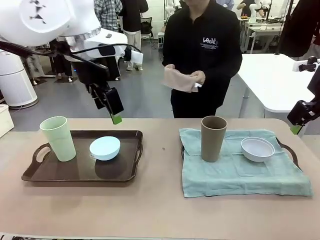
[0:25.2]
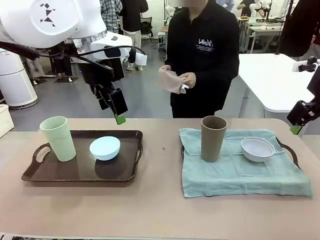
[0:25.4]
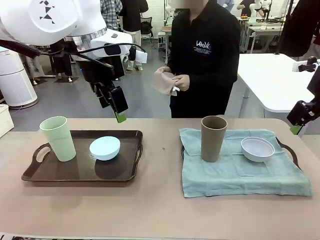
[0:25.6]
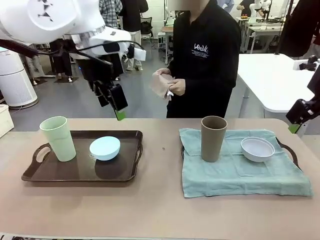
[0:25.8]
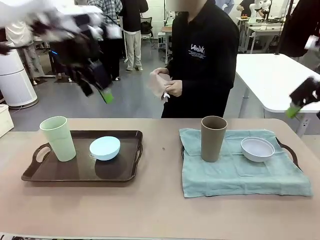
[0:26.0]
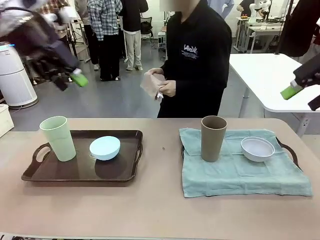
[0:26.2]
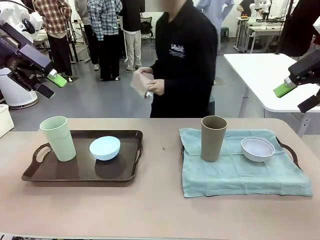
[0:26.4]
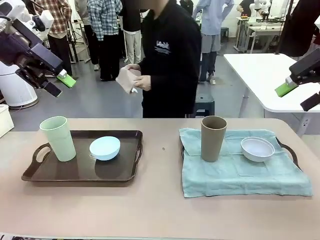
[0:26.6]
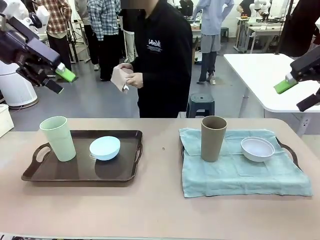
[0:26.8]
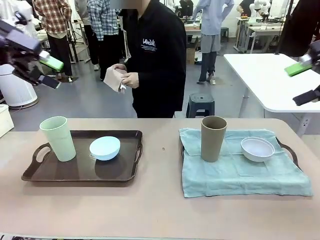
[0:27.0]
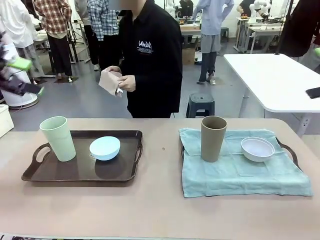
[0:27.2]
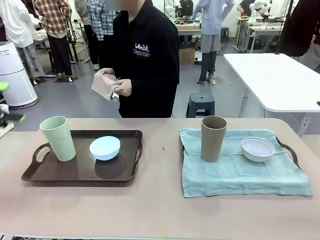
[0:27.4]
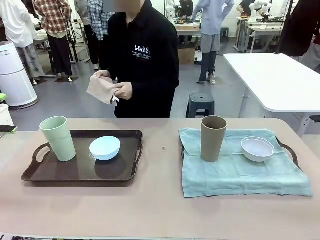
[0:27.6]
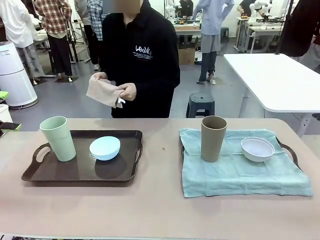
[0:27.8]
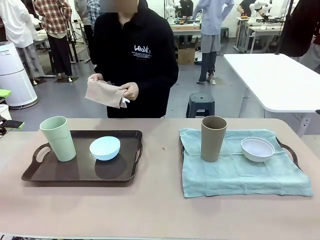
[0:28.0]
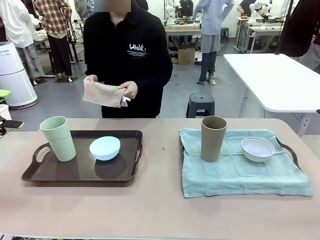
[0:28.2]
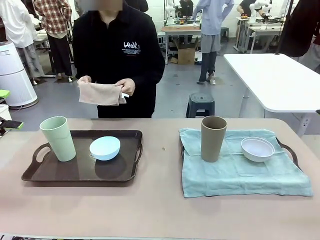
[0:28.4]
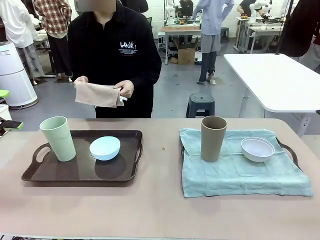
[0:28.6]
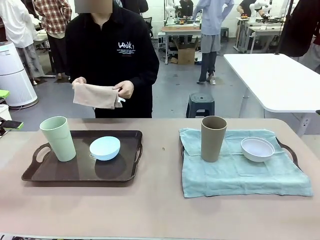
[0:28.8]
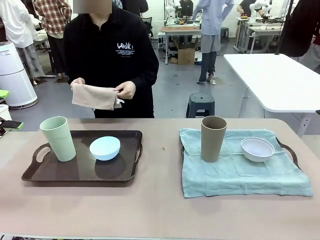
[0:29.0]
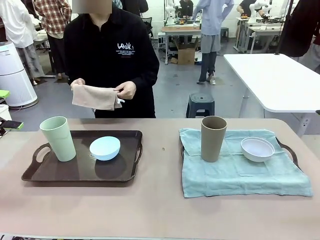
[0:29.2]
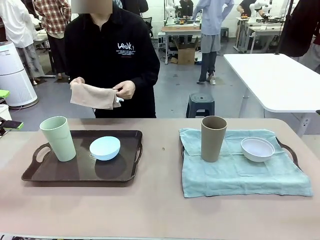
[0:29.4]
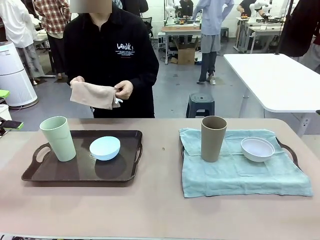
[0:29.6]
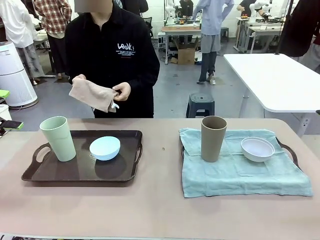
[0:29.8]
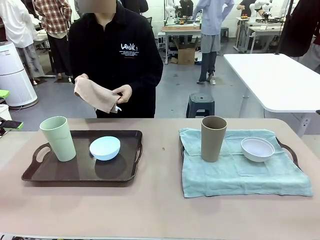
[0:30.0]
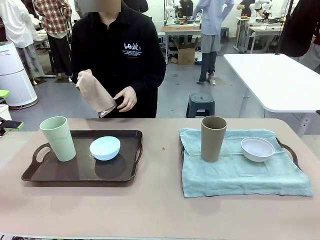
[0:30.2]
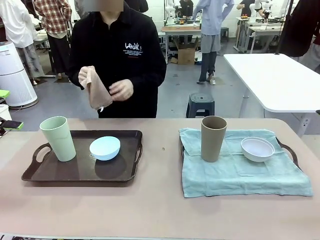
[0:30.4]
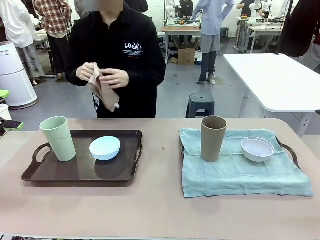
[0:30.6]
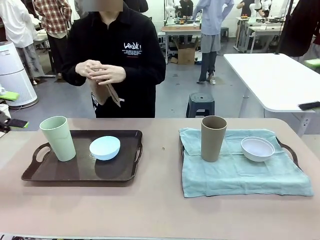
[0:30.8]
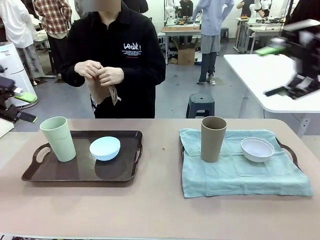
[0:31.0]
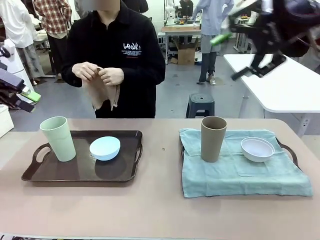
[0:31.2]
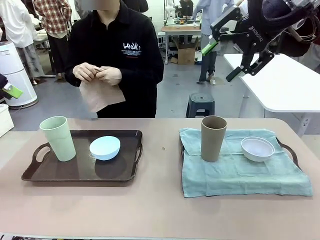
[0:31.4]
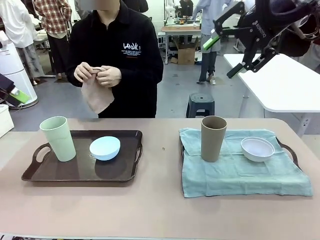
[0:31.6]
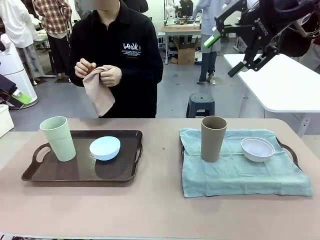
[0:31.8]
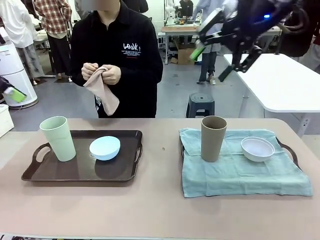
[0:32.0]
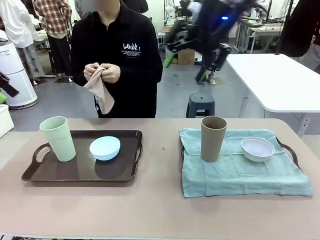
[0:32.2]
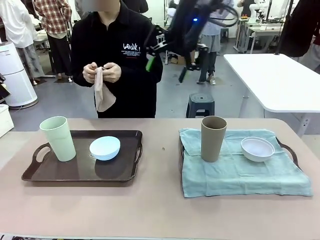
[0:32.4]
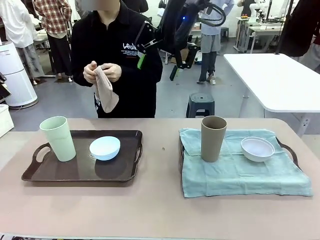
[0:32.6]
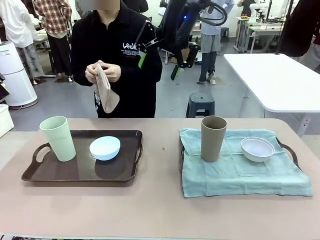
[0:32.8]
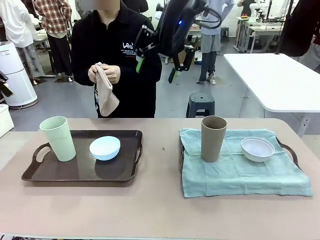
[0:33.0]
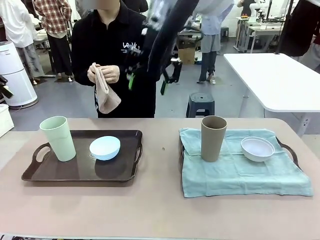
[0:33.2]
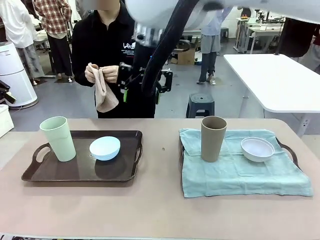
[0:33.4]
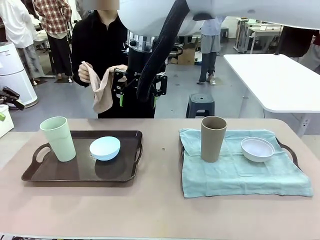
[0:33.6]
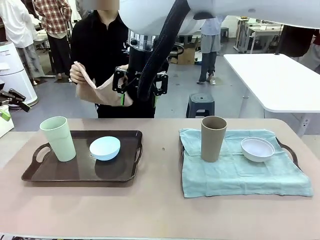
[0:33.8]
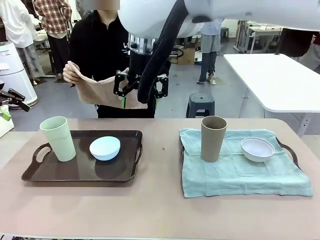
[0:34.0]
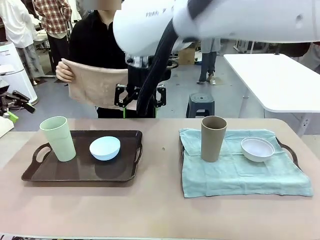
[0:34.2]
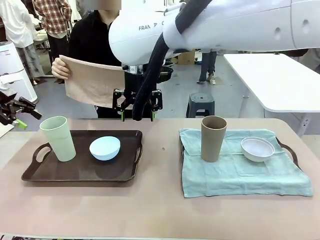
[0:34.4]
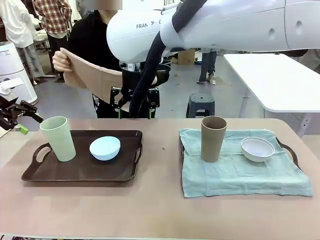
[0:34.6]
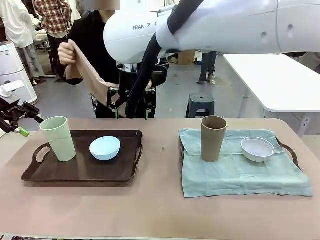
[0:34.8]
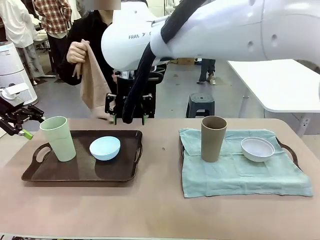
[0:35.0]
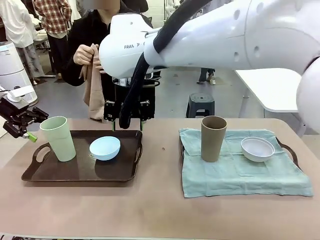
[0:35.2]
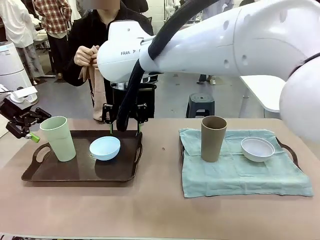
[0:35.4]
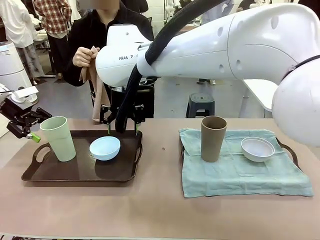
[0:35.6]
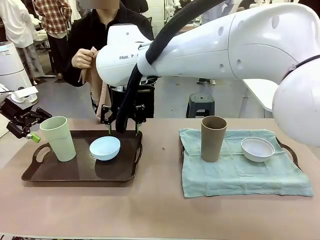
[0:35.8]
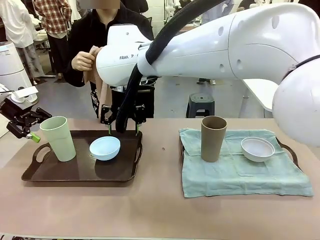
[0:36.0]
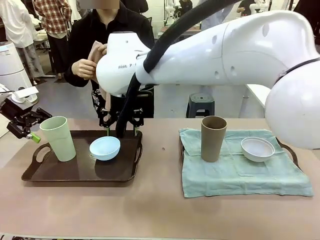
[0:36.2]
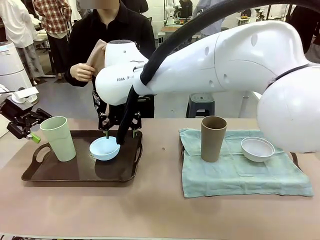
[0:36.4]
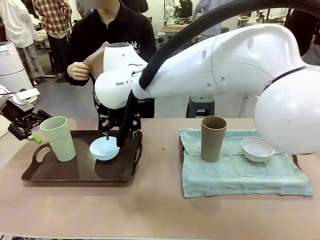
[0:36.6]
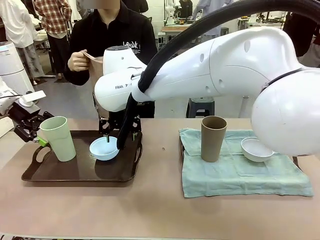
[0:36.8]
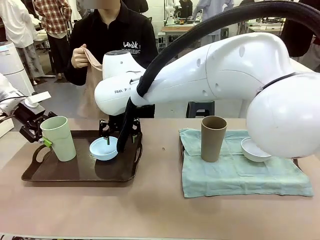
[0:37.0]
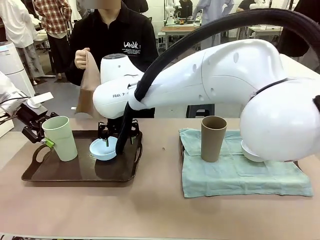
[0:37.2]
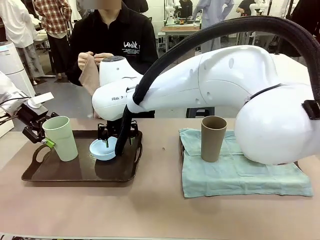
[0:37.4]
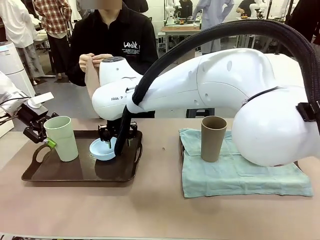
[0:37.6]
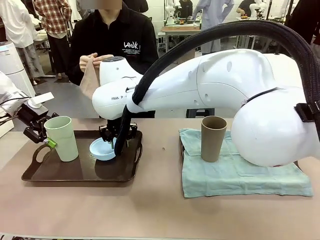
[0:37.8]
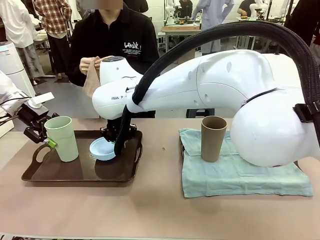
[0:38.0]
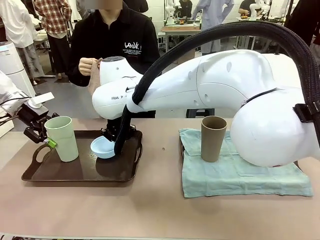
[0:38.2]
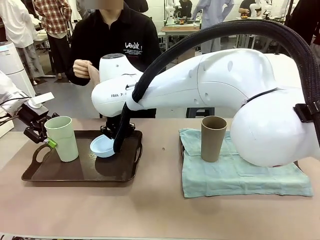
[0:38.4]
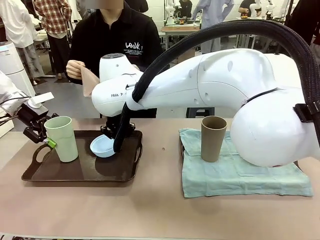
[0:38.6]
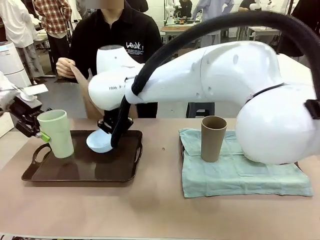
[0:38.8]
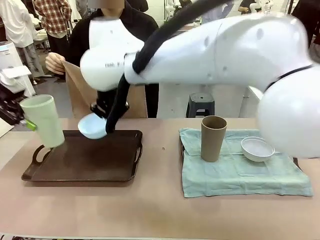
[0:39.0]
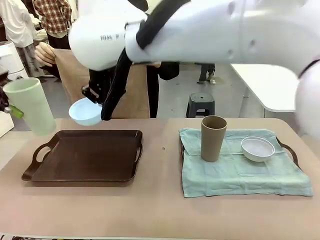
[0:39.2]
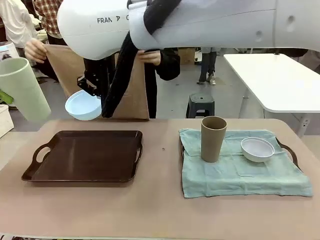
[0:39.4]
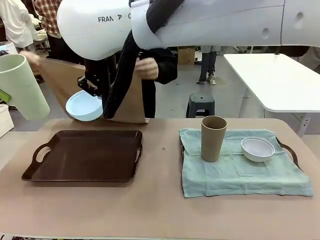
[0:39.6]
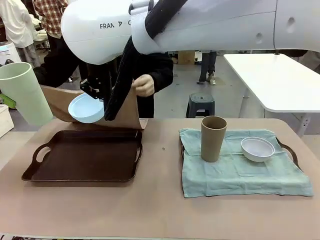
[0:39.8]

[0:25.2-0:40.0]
Robot: Pick up the Picnic Bowl and Reusable plastic cup from the Handle tray in front of the human's position and hold them in the air.
